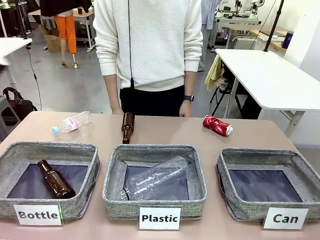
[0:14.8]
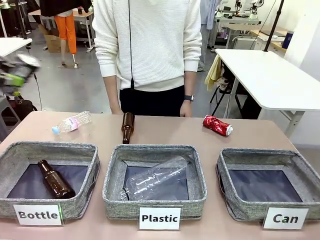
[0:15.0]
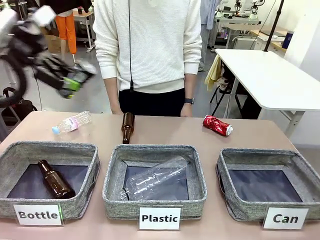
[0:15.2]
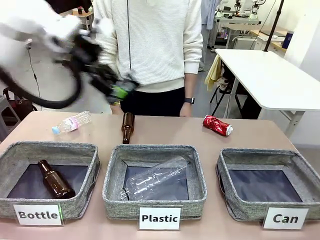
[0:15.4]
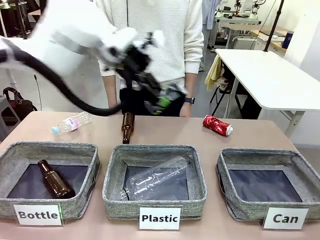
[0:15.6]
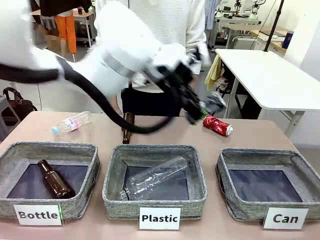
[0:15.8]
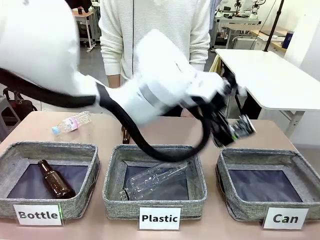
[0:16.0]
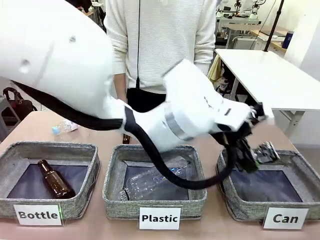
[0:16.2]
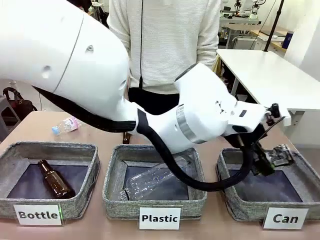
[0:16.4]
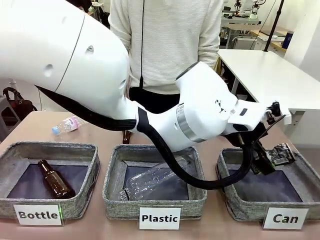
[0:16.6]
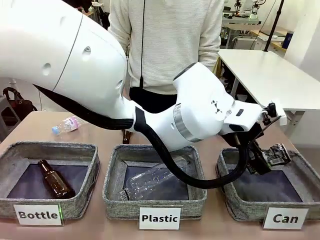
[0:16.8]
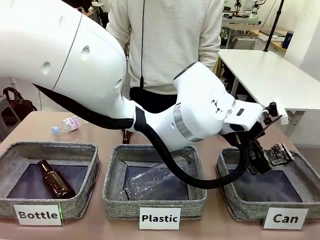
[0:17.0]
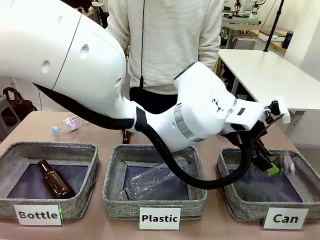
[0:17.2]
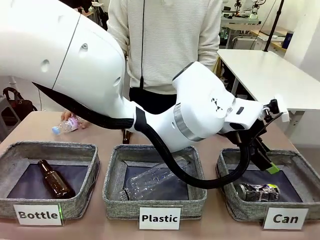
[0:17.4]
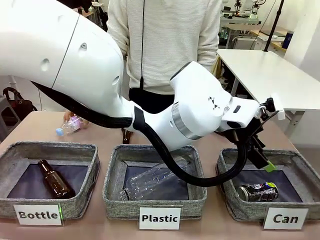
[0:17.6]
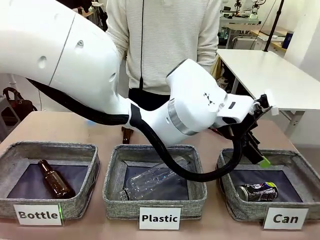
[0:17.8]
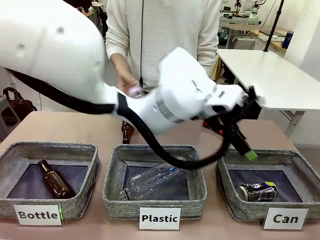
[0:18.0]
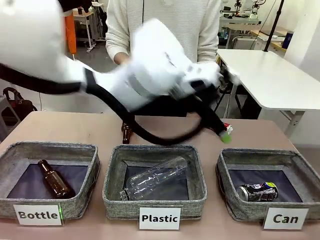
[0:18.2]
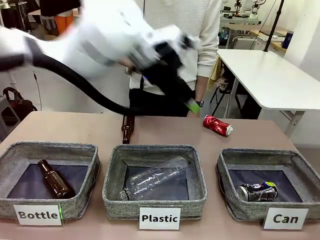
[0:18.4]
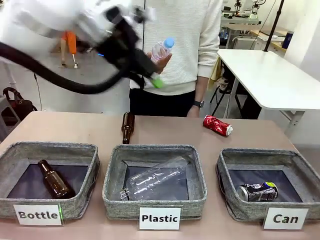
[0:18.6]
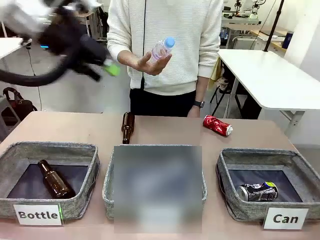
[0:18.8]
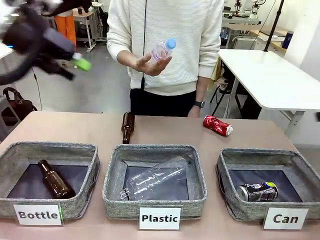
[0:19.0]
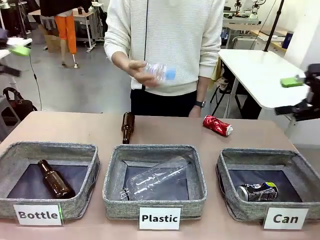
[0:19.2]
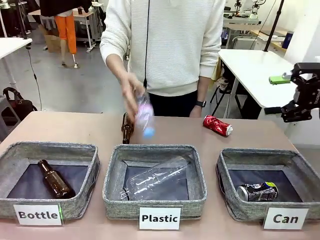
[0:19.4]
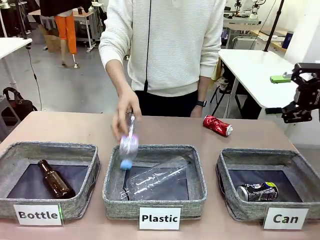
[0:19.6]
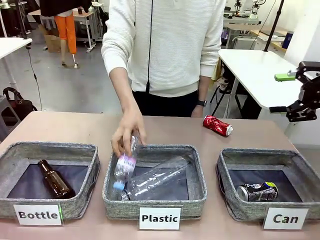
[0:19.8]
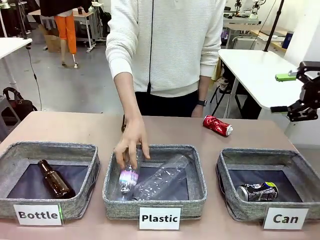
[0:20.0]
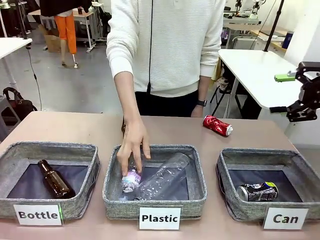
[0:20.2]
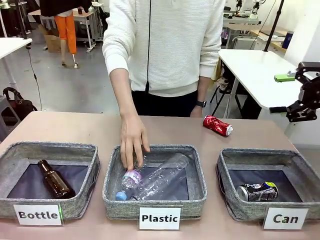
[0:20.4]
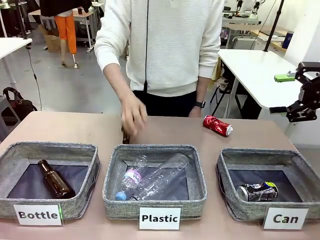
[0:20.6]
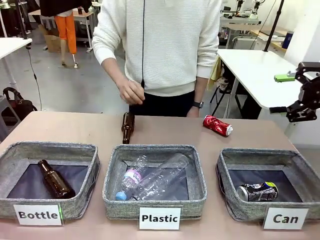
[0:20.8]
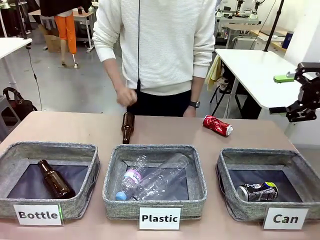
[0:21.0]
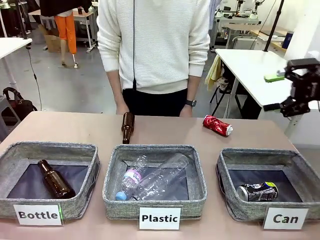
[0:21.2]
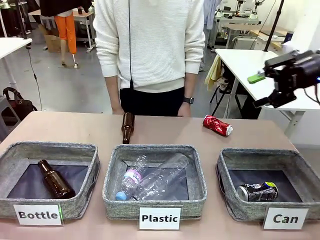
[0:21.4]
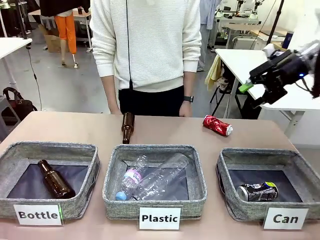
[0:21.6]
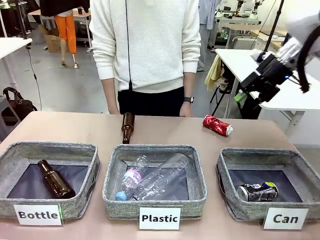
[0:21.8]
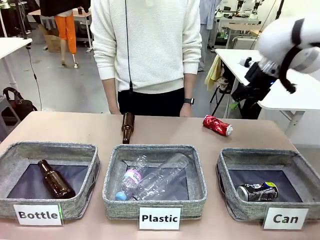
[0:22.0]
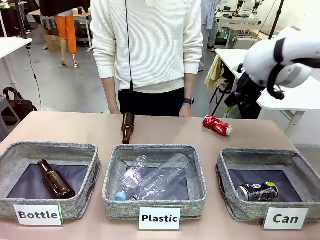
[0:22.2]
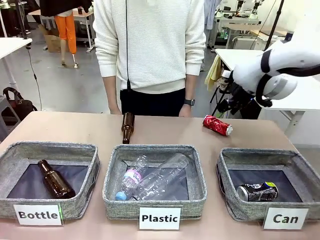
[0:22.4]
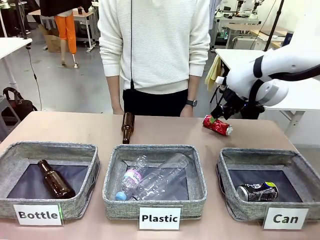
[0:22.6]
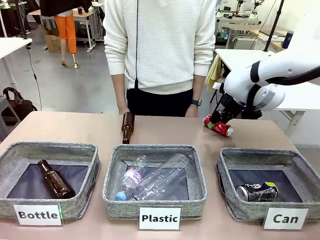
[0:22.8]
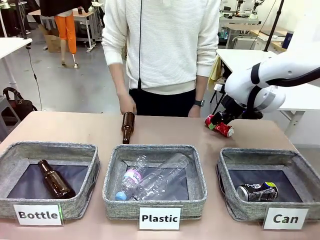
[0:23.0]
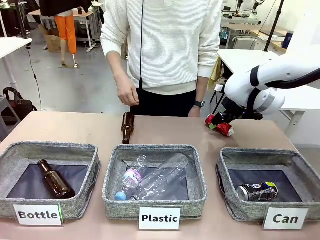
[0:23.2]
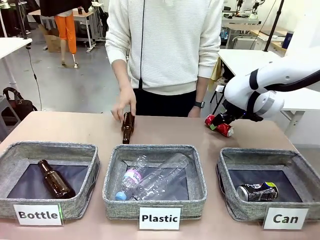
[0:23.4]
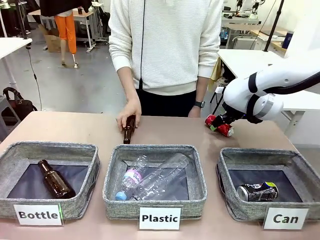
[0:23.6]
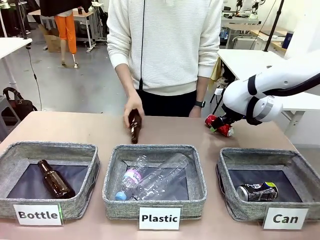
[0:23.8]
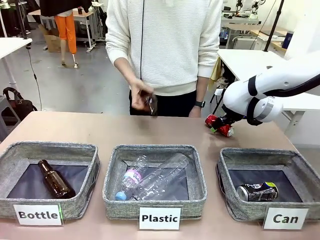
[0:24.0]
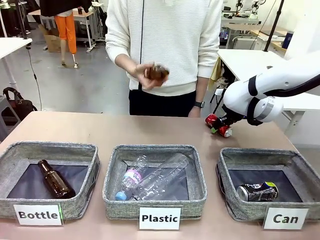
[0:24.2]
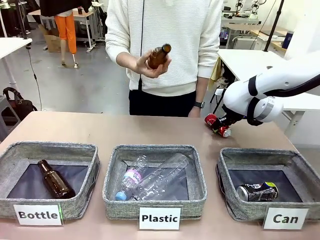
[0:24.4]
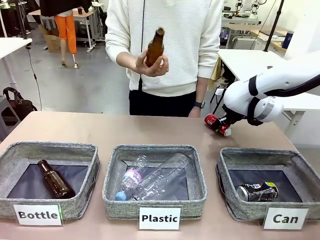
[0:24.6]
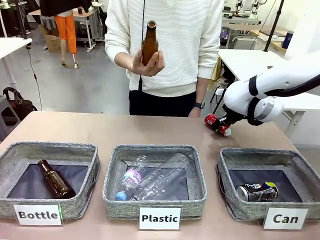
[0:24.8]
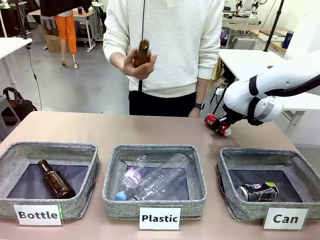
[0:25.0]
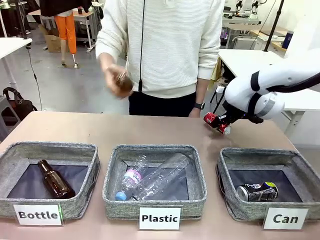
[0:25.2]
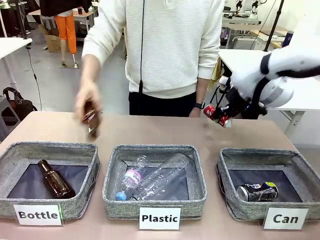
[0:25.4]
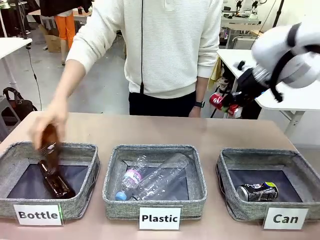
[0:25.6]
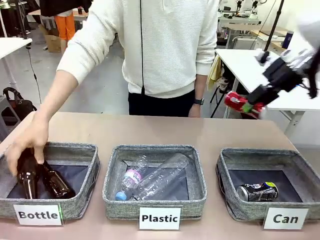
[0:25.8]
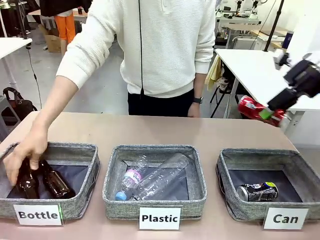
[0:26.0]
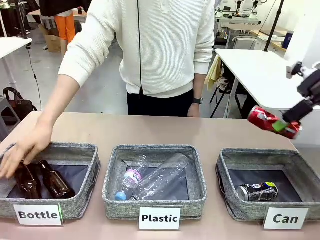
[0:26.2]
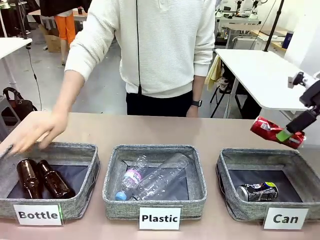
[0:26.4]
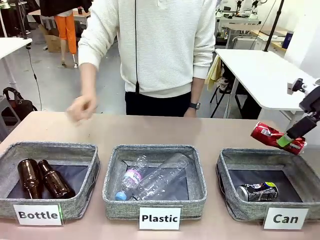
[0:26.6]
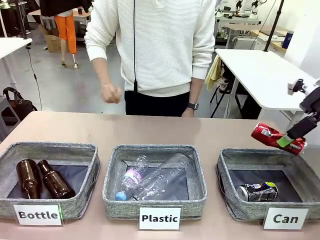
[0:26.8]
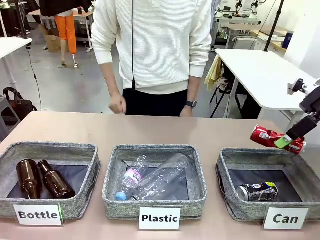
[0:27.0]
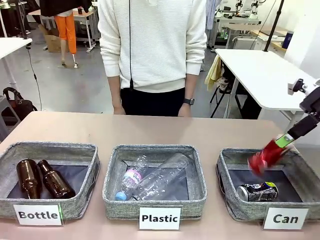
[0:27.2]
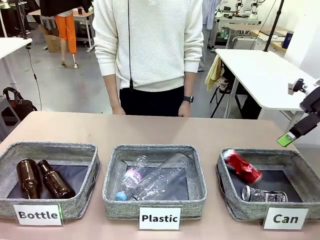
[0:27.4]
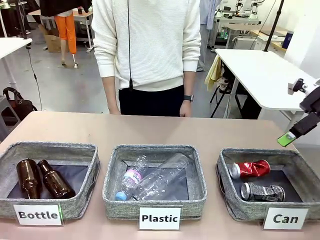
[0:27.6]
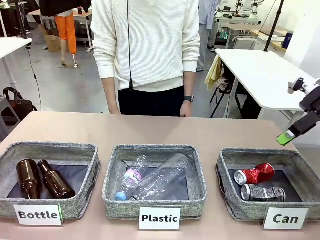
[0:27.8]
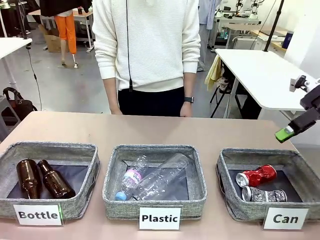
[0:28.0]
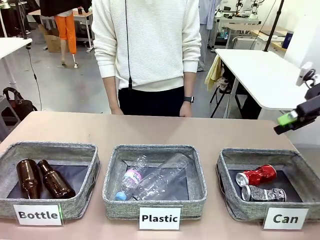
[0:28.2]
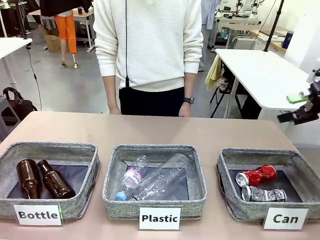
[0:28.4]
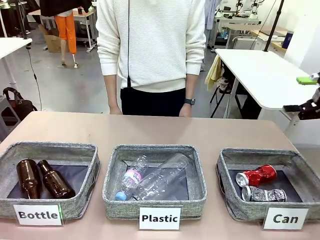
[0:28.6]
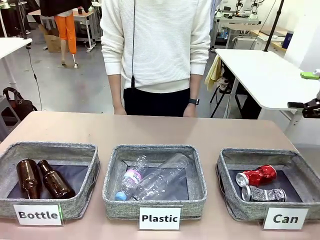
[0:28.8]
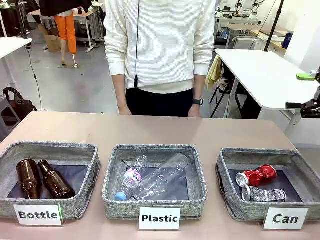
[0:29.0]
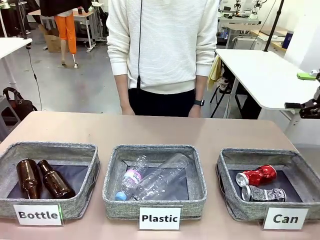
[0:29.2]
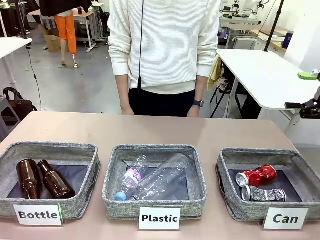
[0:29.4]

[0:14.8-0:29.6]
Task: Sort the can waste into the basket.
Robot: Pick up the can waste from the table and place it in the right Fabric basket.
